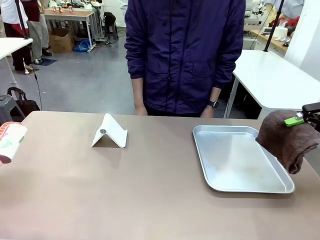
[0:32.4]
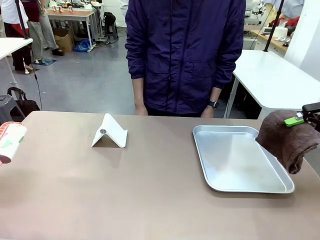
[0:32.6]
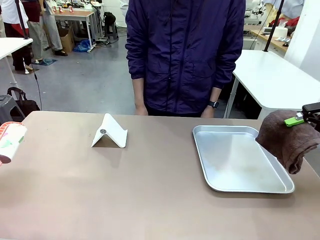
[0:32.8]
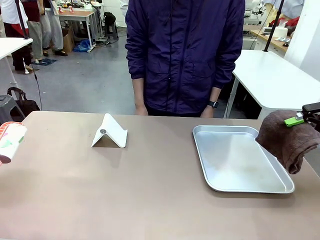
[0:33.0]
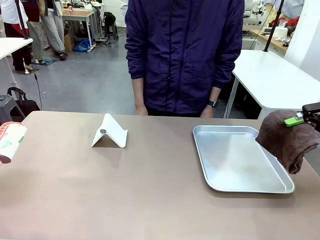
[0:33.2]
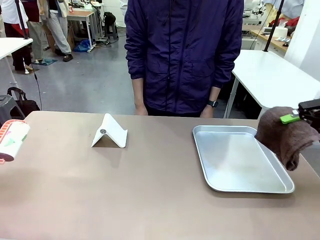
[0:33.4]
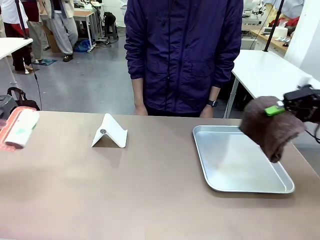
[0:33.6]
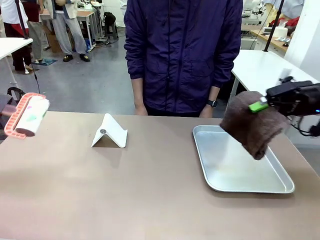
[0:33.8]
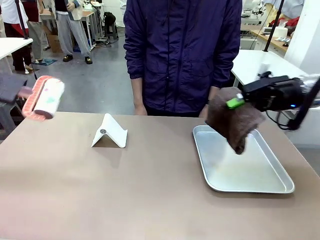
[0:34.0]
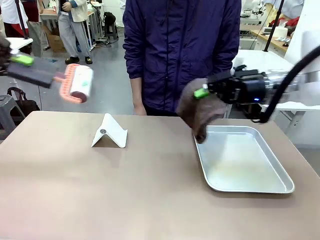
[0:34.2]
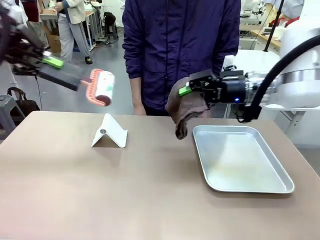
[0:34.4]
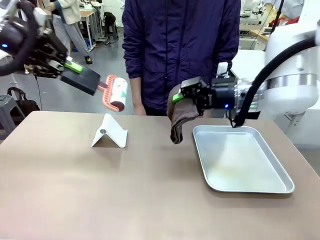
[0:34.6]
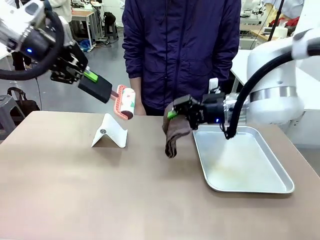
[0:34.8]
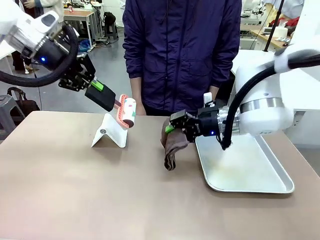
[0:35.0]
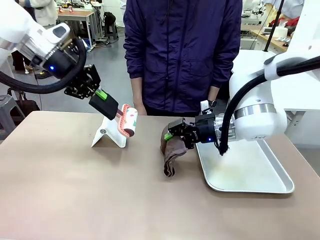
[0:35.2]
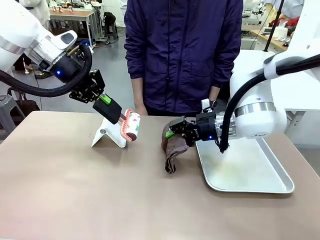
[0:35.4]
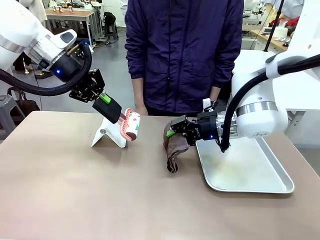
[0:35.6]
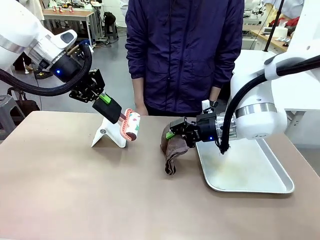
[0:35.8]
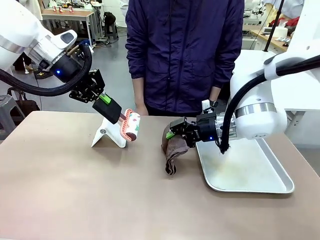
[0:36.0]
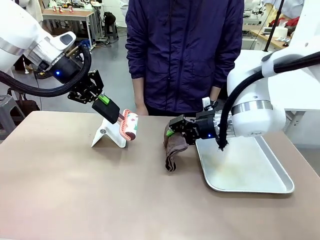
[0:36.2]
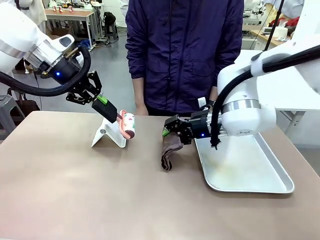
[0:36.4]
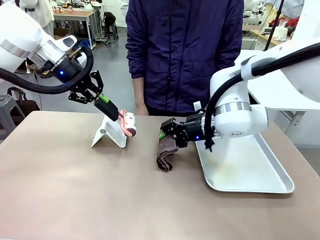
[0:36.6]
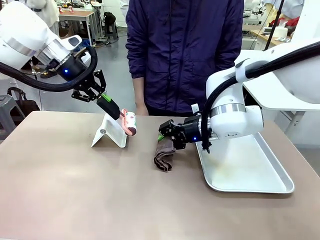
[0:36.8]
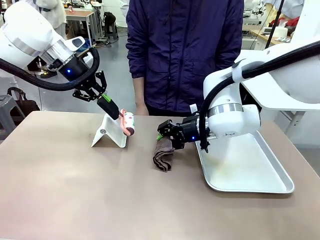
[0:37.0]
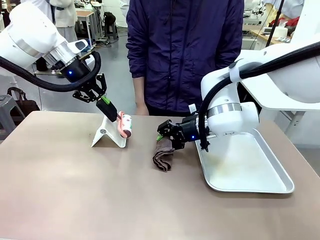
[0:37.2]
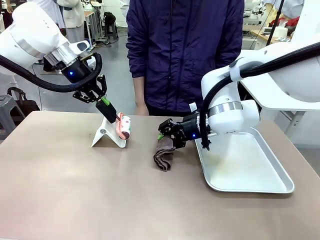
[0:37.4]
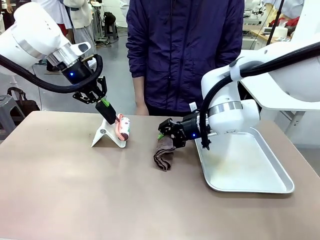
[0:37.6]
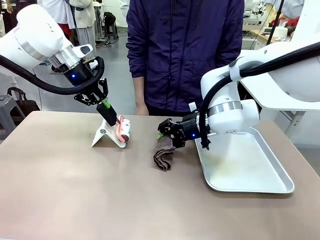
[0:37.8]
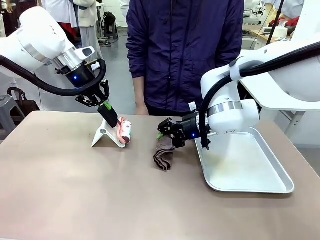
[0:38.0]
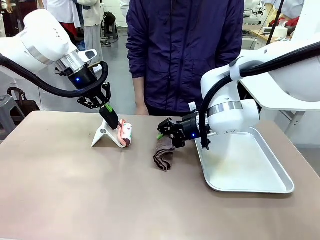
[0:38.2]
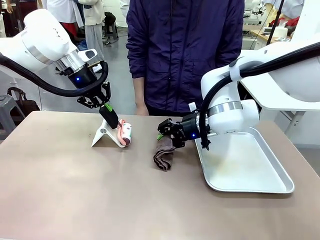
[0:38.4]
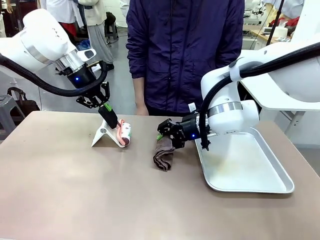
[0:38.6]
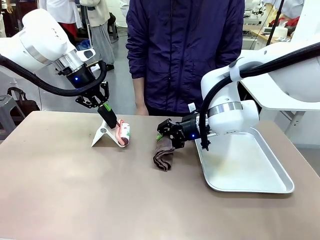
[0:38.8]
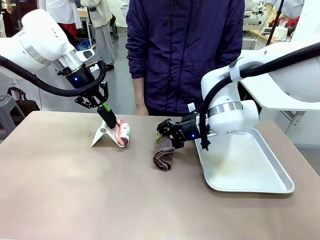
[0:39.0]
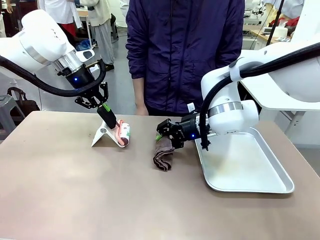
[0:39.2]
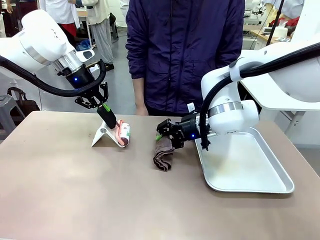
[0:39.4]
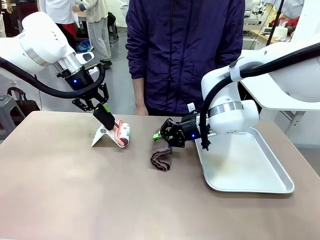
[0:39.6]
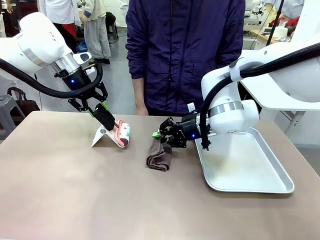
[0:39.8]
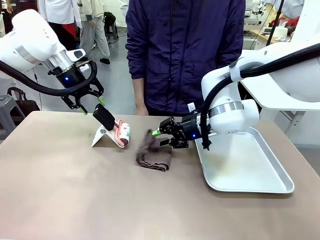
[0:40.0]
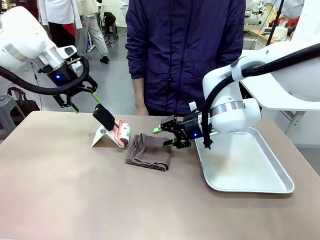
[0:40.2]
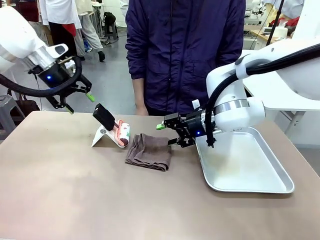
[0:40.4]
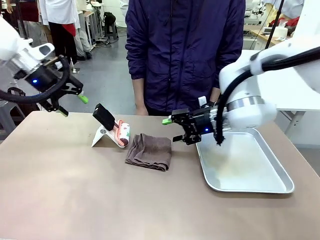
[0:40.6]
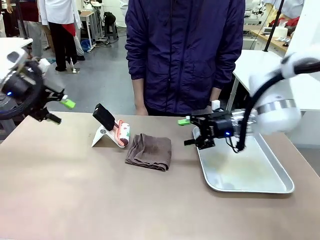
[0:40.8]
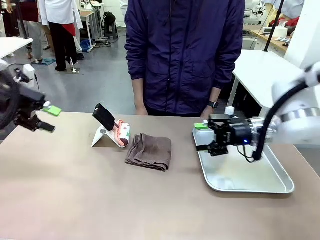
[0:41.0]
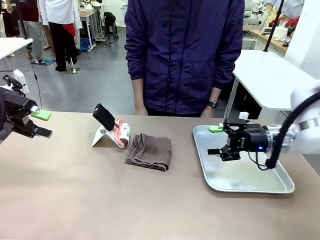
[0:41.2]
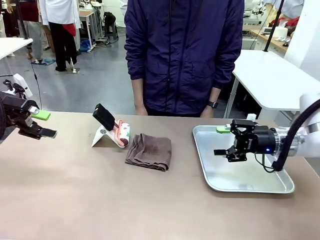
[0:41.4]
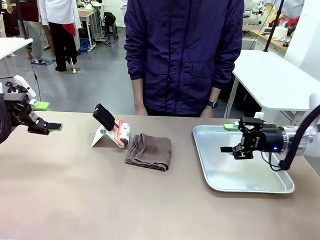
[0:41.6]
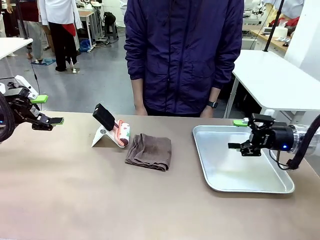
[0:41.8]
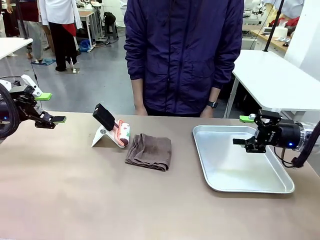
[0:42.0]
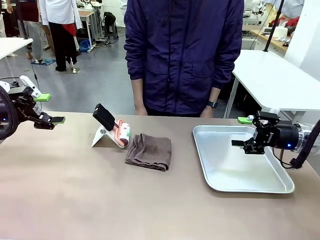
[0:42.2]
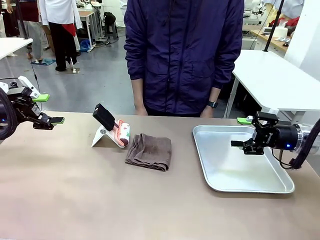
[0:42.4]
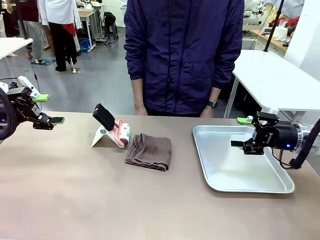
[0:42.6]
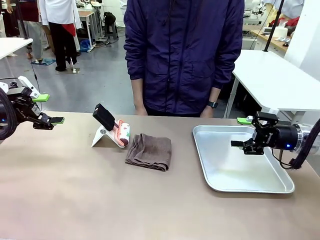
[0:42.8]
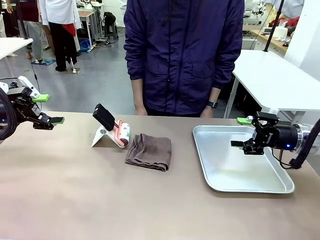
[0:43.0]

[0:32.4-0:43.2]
Task: Clean the surface of the table.
Robot: Return the Lint Roller and towel to their original positions.
